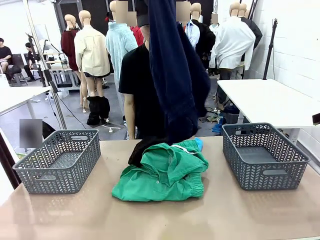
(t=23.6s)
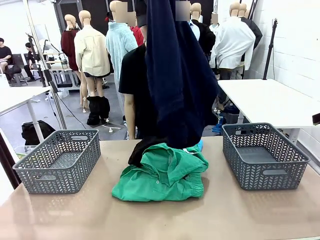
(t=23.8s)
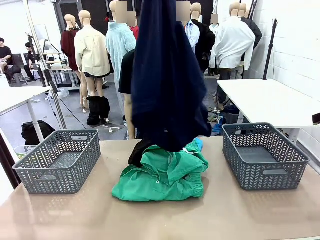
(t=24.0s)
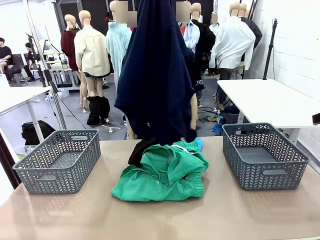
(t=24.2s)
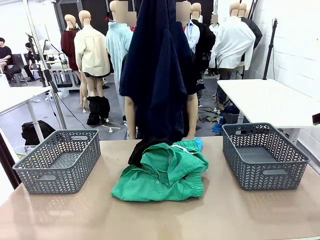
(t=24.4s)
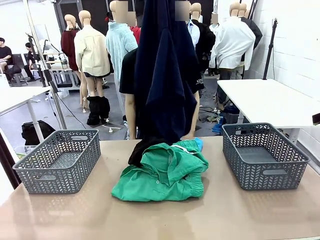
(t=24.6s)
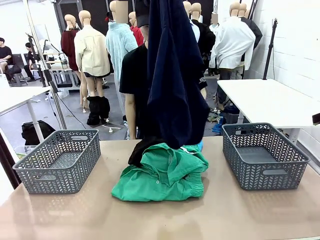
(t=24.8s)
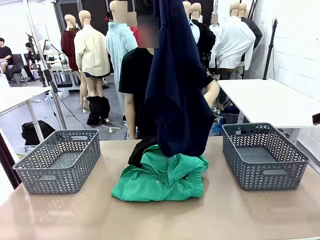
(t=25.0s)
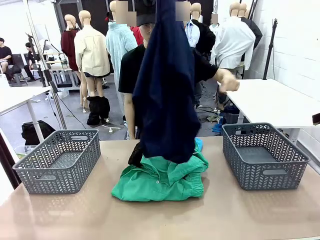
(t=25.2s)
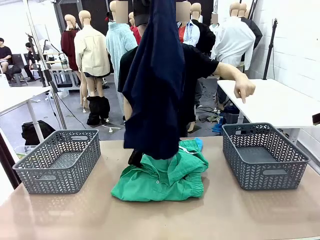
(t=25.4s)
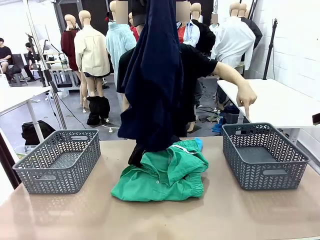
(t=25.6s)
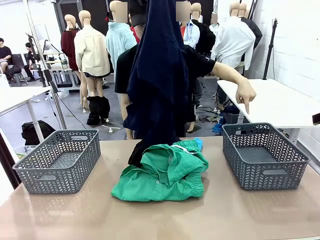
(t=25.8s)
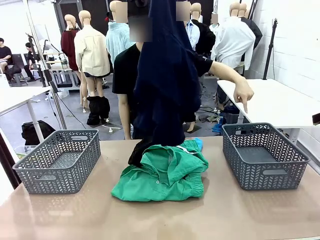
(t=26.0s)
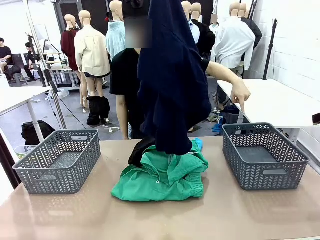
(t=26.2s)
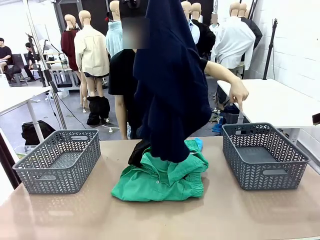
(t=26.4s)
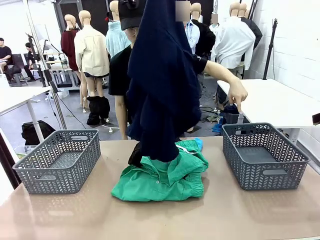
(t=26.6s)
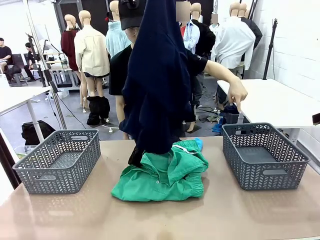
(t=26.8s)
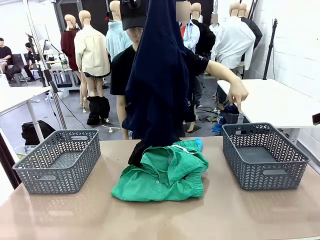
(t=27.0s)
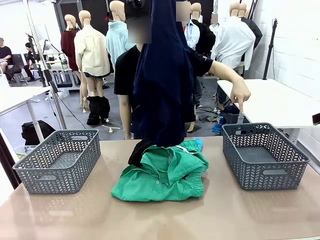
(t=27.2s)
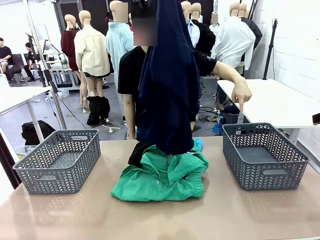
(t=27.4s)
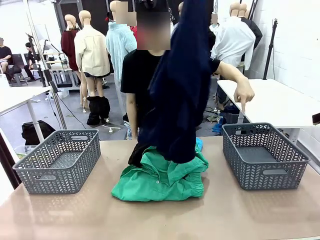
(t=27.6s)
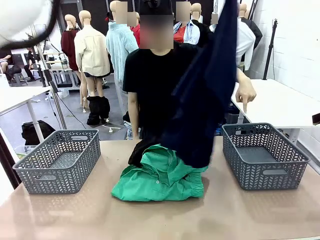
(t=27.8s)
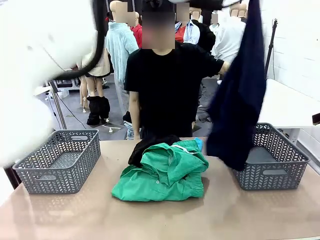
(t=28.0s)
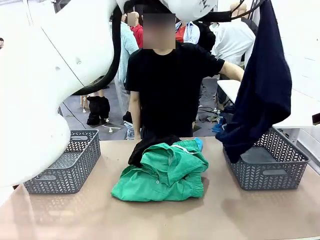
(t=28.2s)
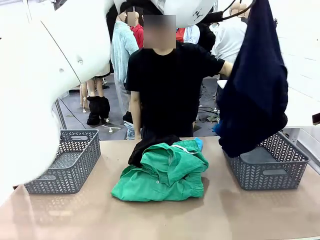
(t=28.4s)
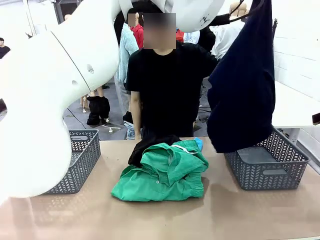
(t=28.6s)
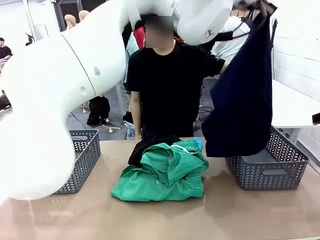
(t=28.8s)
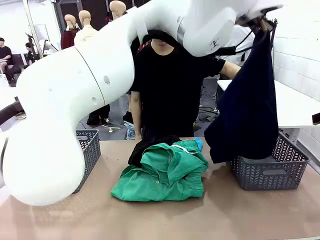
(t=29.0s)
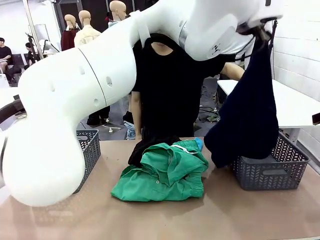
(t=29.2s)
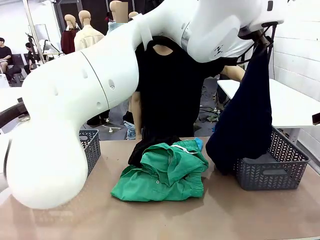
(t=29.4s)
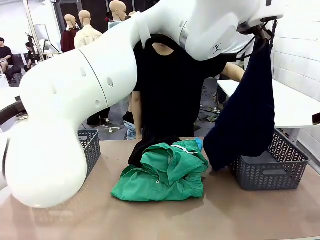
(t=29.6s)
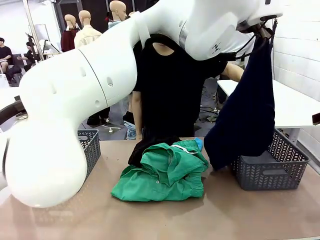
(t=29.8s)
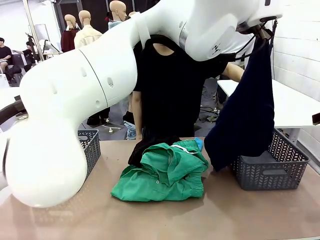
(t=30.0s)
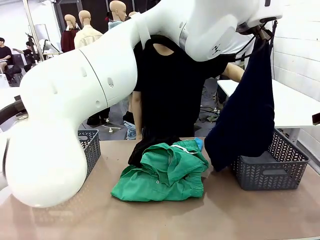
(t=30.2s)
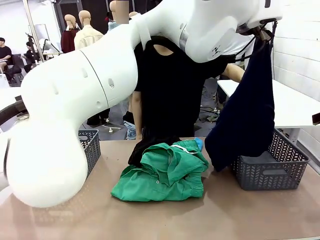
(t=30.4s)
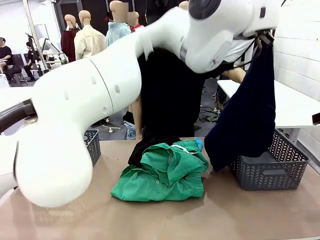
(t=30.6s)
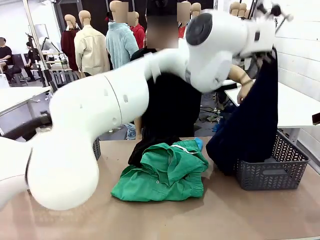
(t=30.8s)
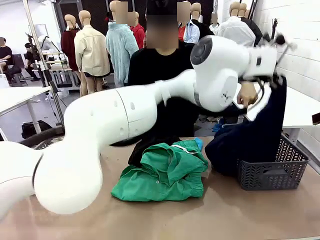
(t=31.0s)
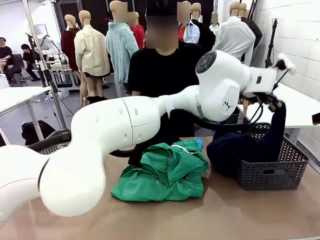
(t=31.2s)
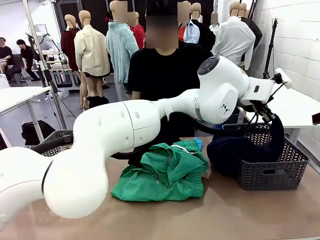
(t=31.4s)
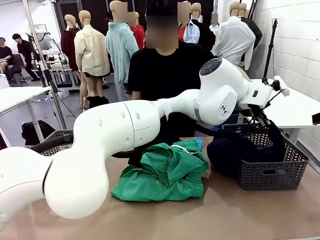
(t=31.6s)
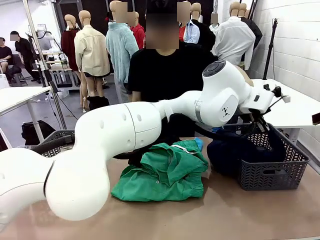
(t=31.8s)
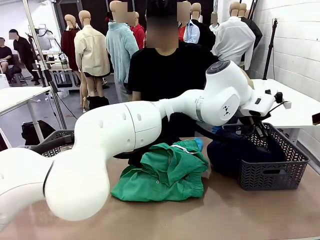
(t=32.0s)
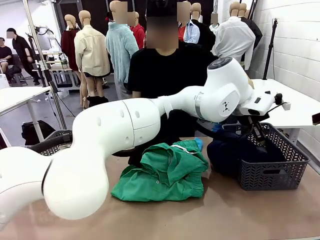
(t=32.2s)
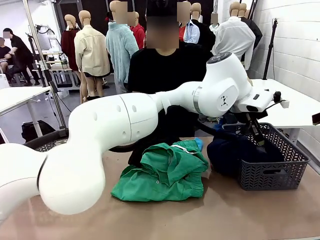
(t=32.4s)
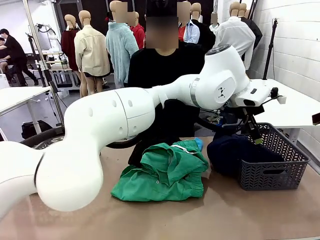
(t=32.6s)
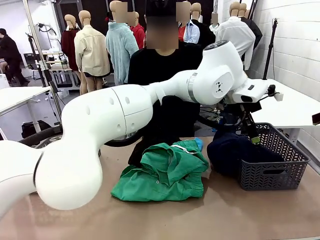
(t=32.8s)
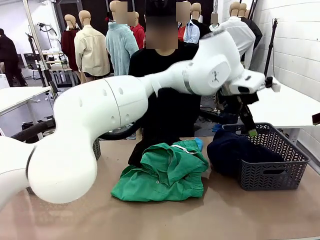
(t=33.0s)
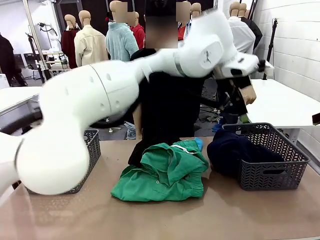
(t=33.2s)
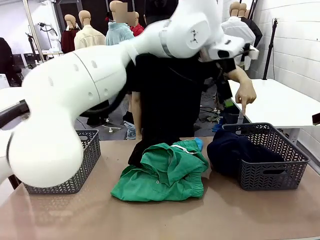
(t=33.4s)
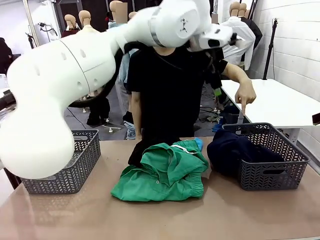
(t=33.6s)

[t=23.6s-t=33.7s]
Task: Sort the tops and bottoms.
Robot: Sort the clothes according to human instructions.

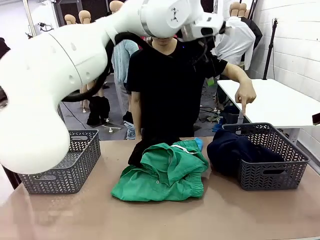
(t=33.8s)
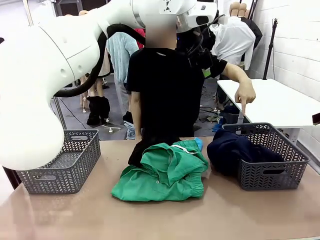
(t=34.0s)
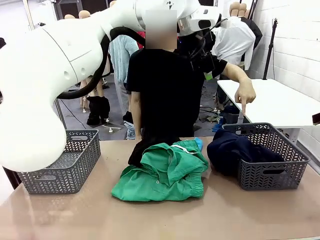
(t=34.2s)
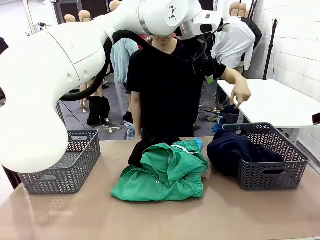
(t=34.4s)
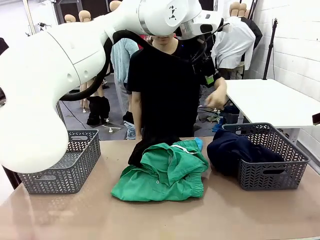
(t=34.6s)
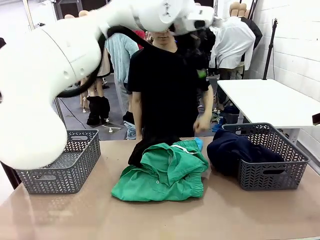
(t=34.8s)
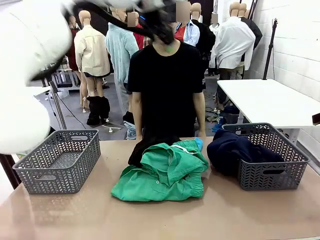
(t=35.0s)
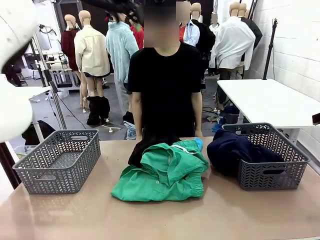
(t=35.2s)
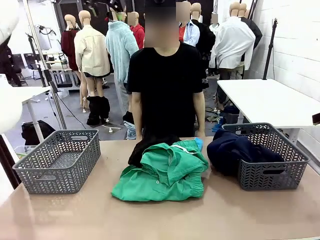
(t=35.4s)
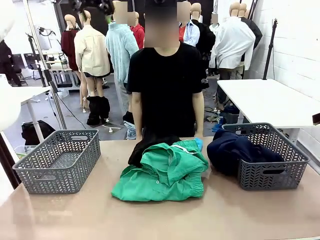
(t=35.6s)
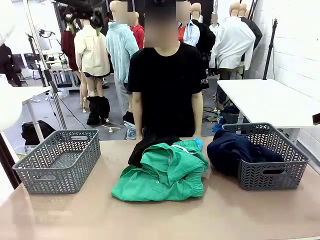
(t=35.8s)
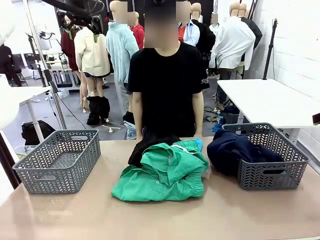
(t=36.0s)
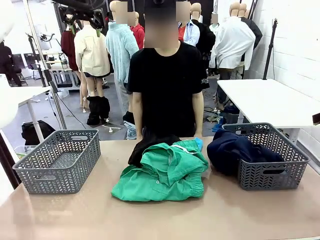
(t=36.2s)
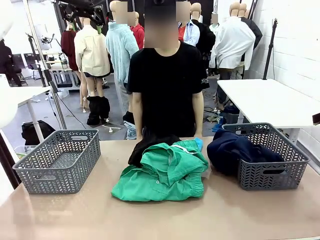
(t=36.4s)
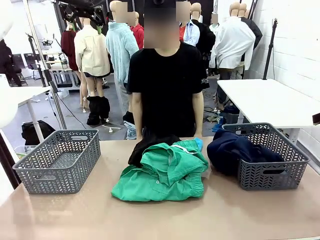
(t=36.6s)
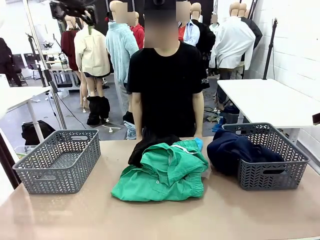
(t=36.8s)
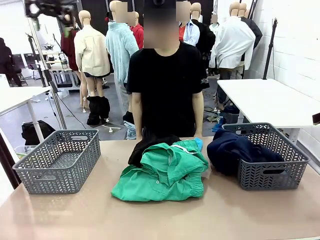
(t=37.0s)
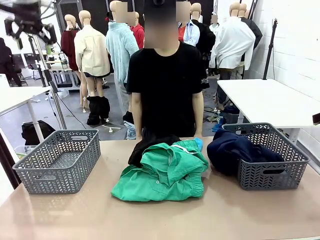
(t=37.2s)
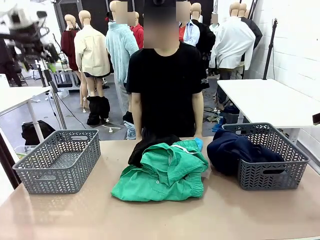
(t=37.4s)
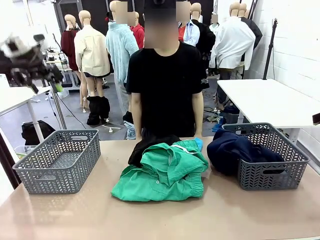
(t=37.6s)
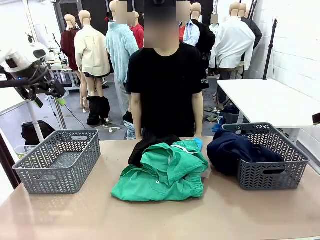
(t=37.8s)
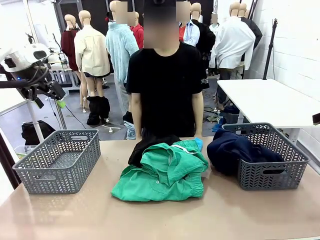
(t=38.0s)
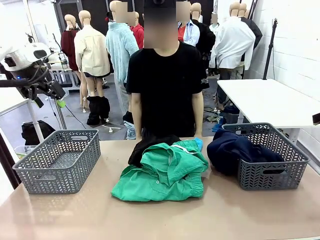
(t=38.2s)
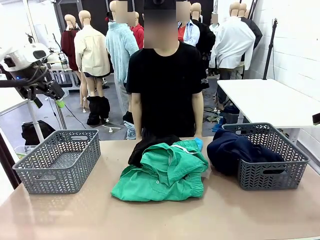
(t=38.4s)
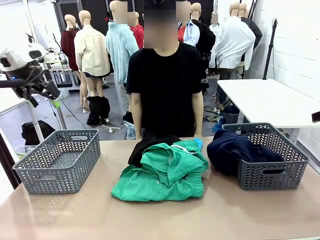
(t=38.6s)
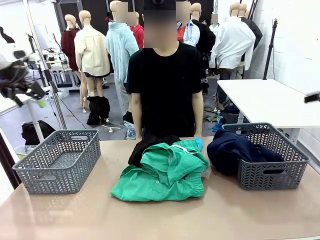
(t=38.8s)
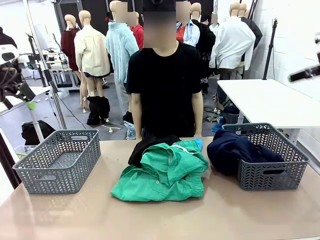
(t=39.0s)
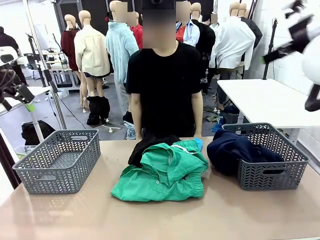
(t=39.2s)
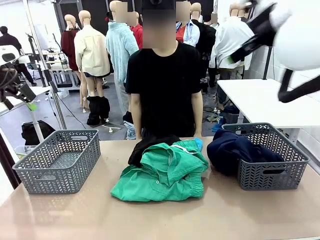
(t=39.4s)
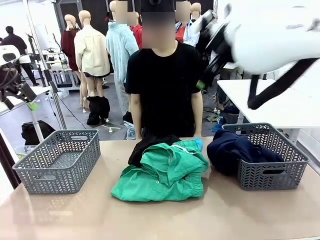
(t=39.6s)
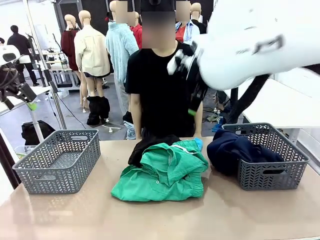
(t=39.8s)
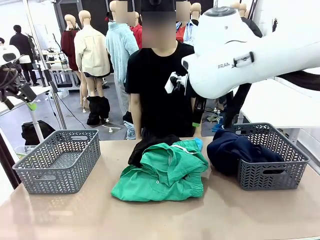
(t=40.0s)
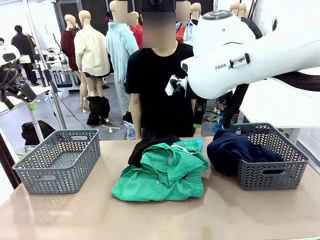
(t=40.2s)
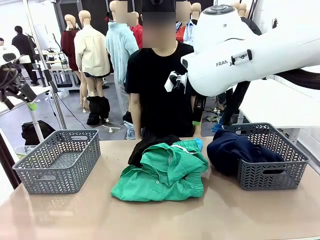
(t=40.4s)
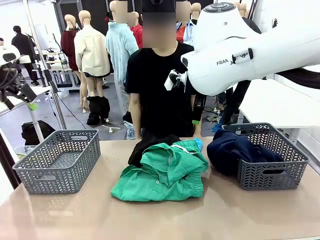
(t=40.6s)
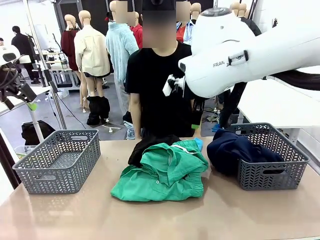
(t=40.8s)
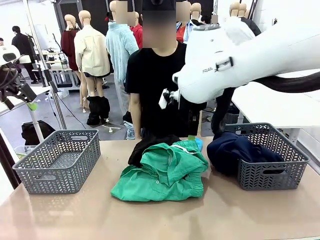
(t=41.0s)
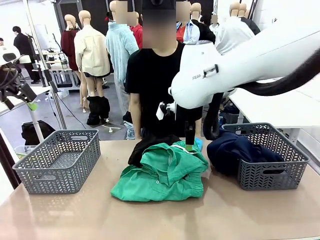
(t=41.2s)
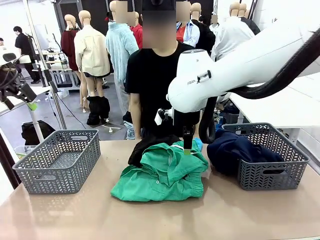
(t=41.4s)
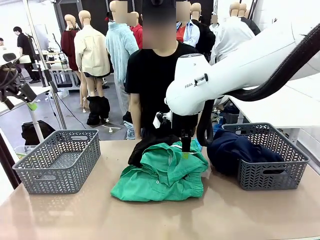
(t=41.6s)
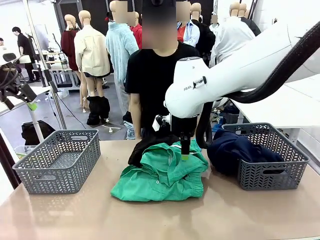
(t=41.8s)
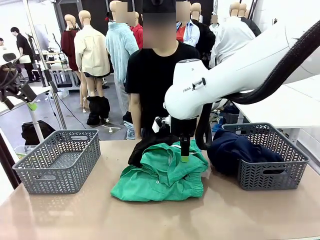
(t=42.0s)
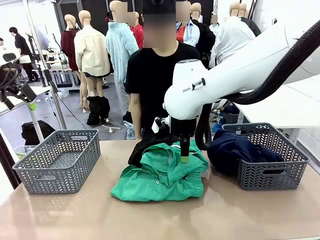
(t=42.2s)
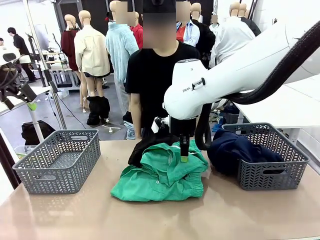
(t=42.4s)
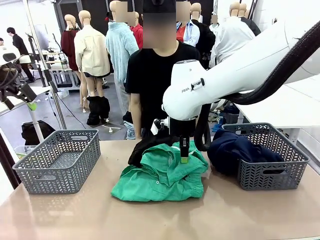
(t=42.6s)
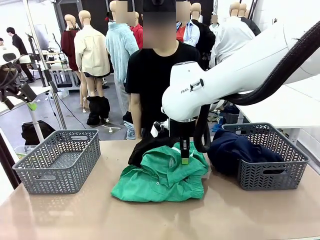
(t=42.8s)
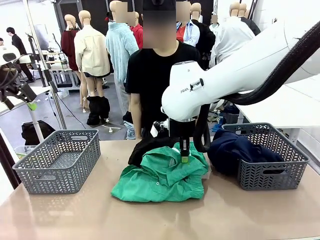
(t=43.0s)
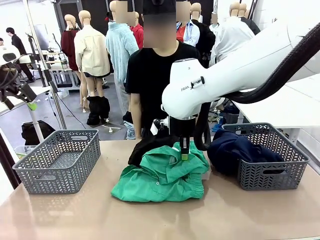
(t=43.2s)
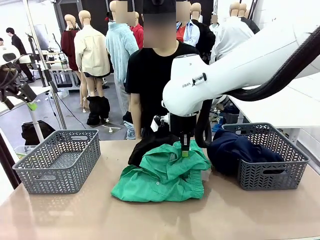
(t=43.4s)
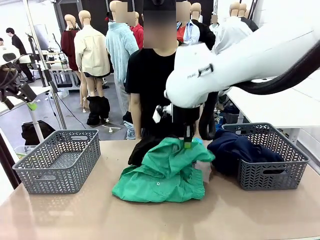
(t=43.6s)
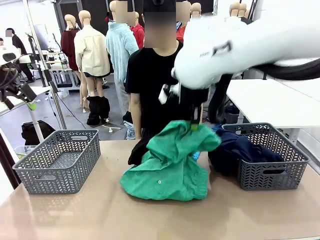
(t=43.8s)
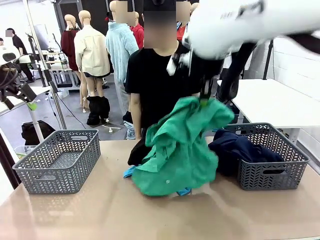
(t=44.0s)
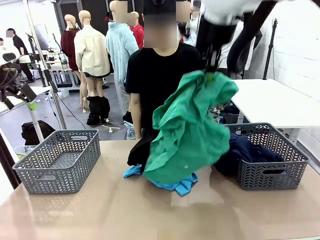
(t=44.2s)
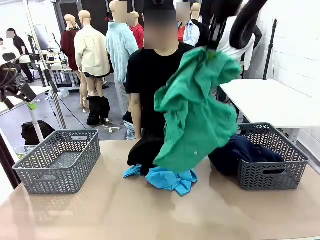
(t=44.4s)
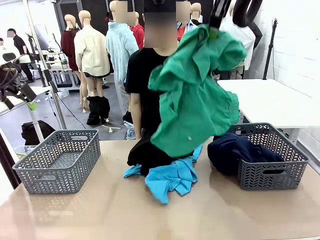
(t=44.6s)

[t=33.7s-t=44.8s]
Robot: Lift clothes from the center of the table with your right hand.
